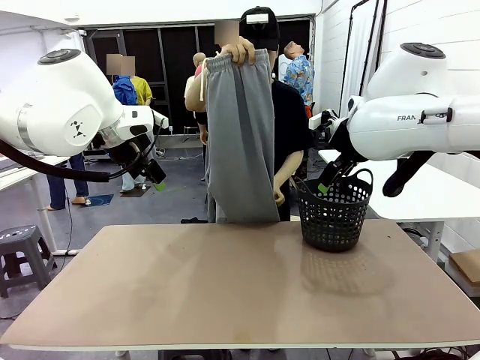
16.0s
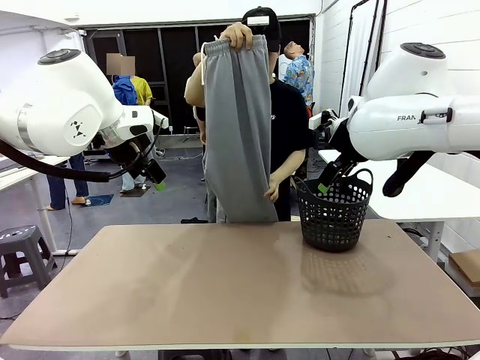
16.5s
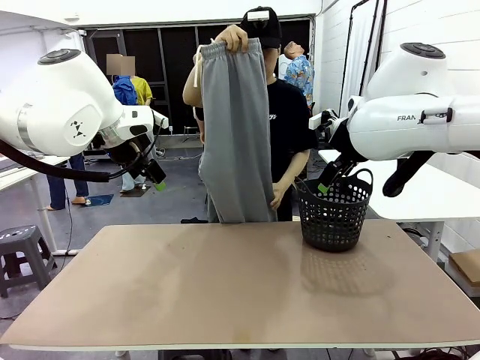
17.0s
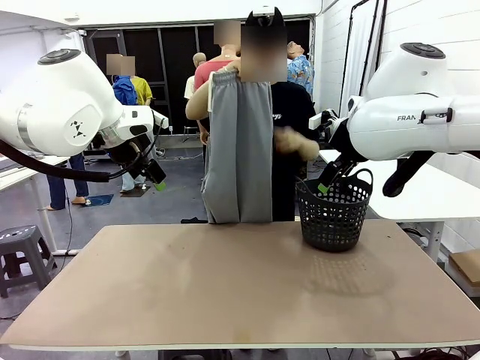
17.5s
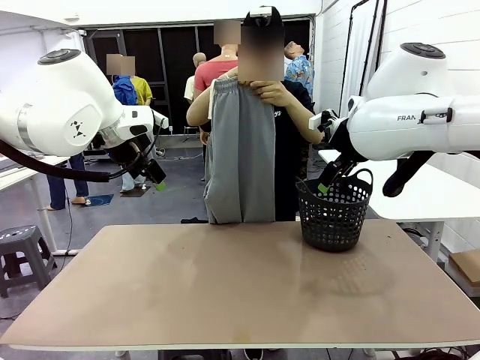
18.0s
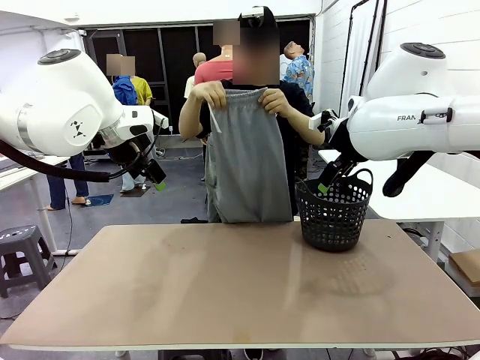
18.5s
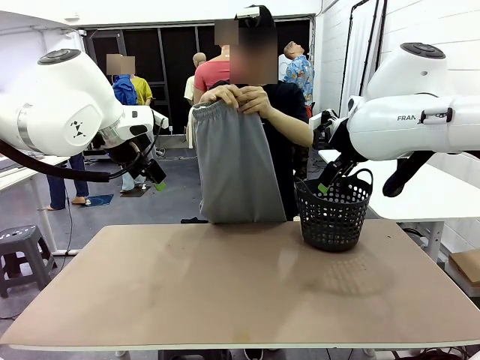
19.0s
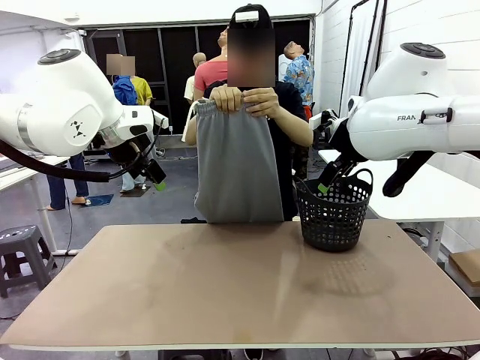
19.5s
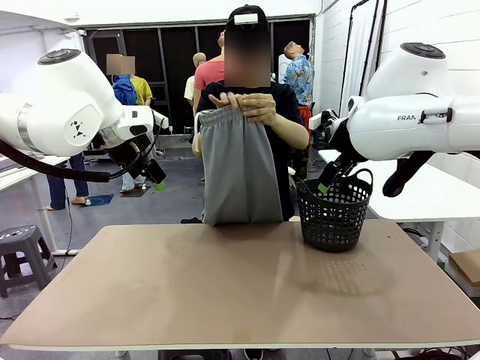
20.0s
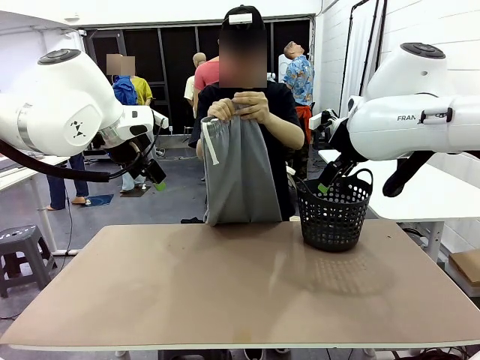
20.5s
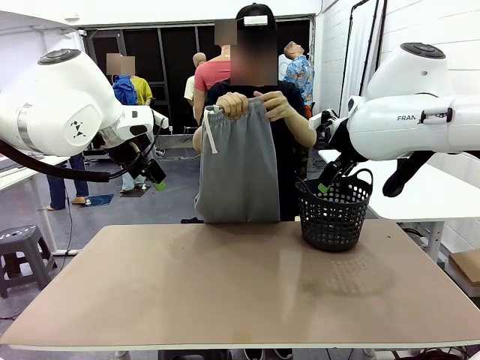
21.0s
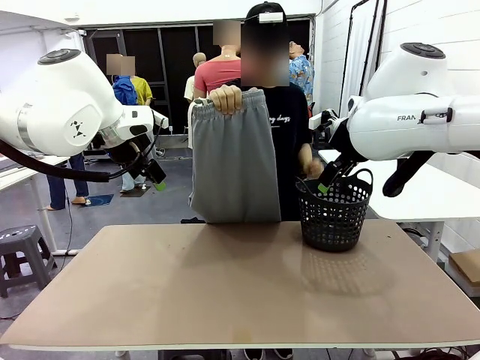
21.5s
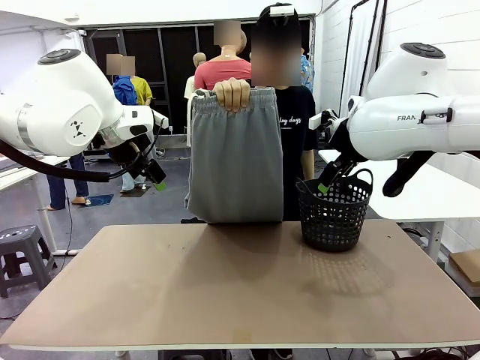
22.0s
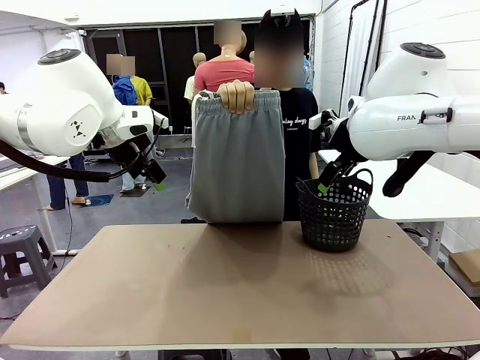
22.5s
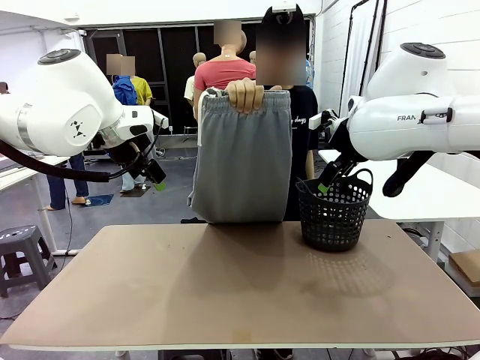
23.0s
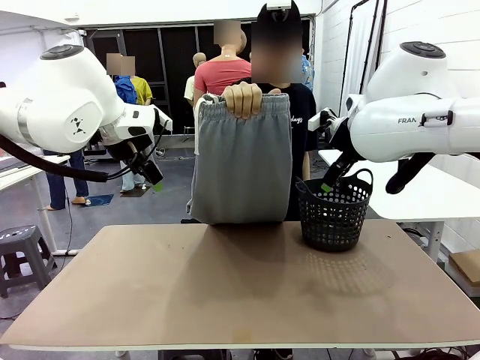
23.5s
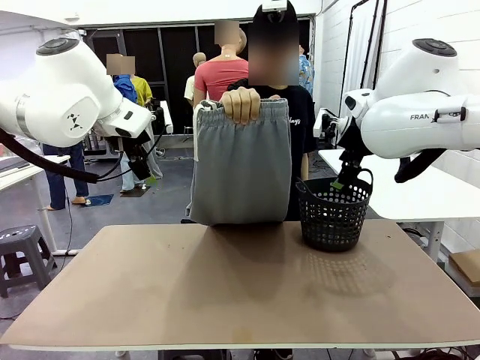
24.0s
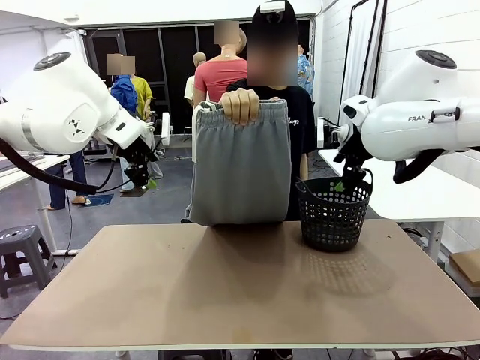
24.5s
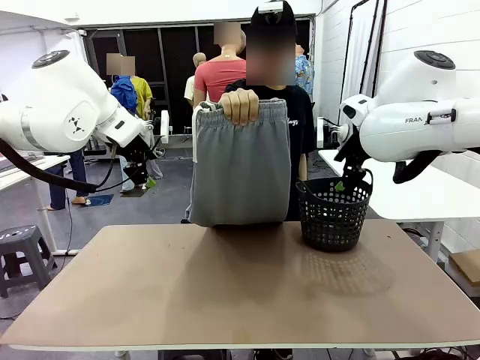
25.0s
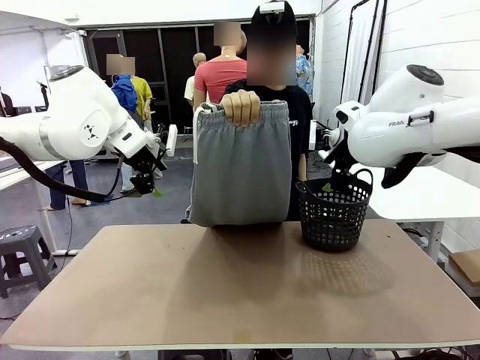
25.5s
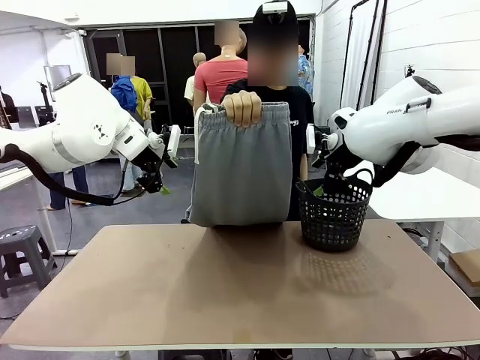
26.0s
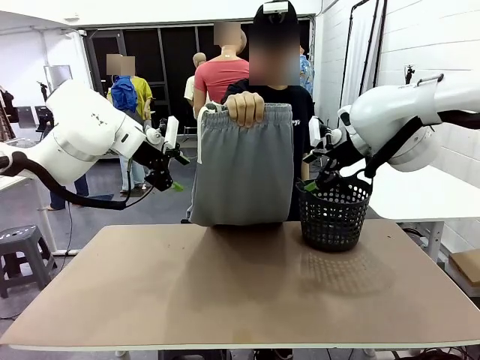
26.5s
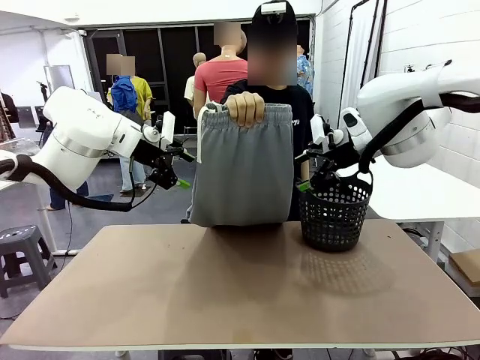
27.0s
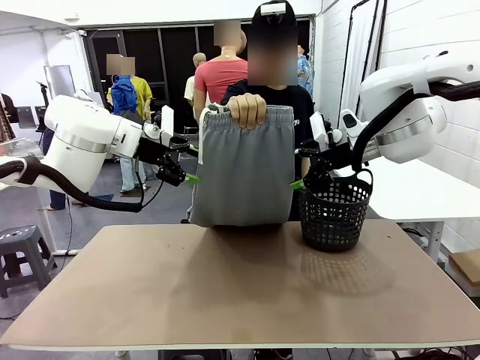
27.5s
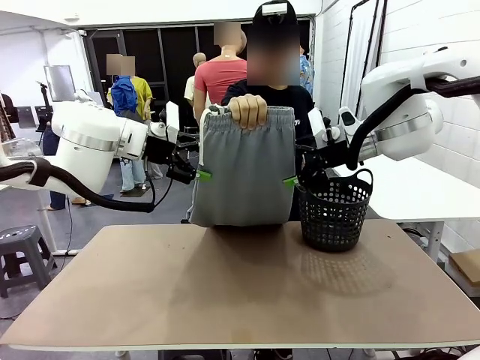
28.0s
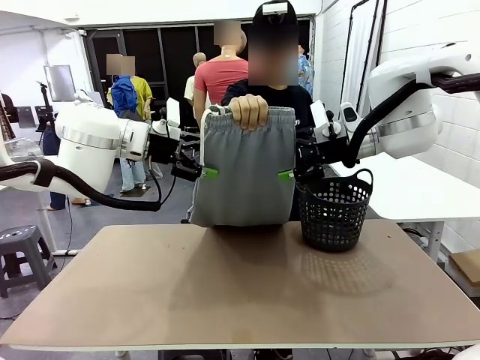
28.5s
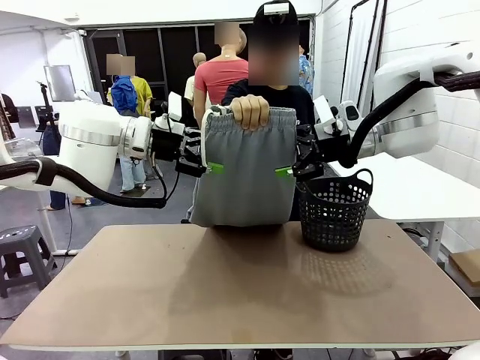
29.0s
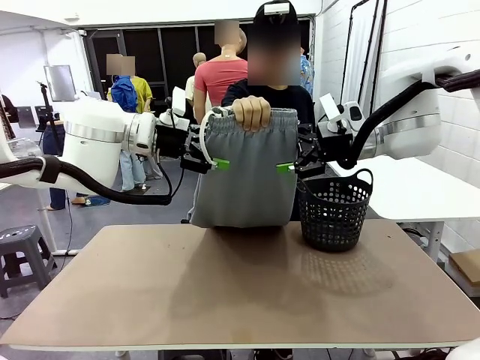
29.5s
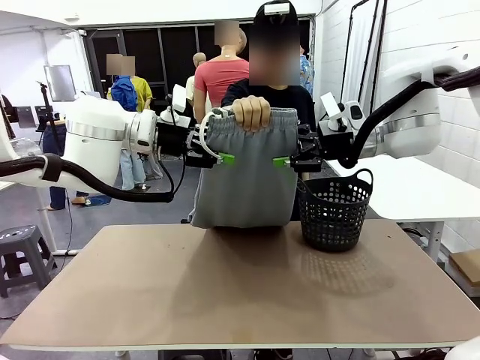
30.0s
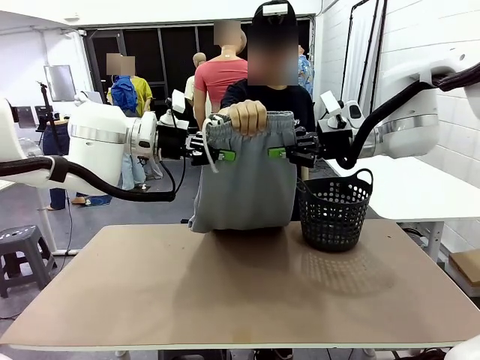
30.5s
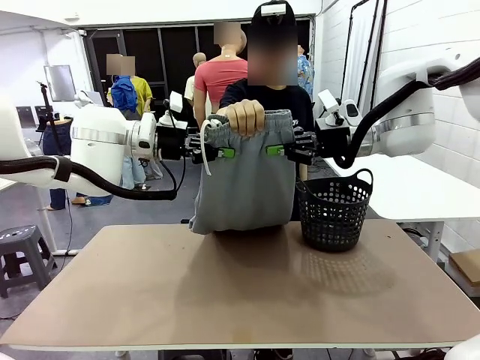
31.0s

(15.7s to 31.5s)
Task: Fold the training pants.
Robot: Grab both ends of the Training pants handed by a person.

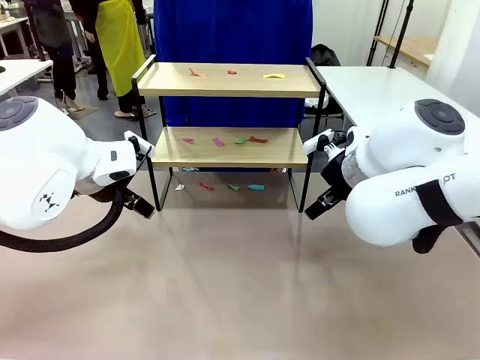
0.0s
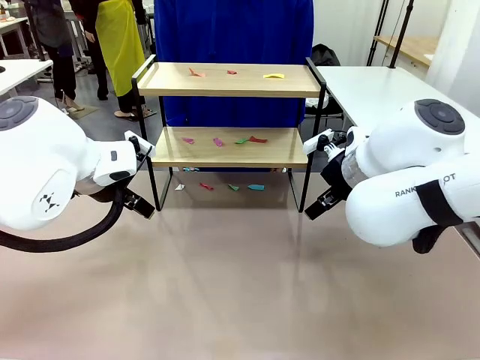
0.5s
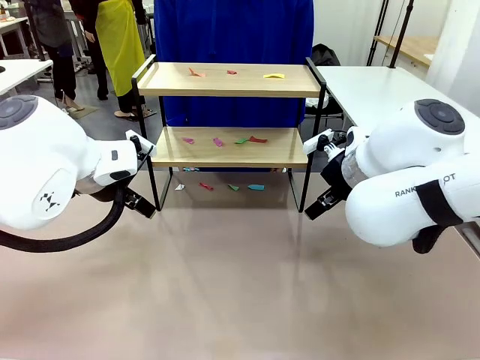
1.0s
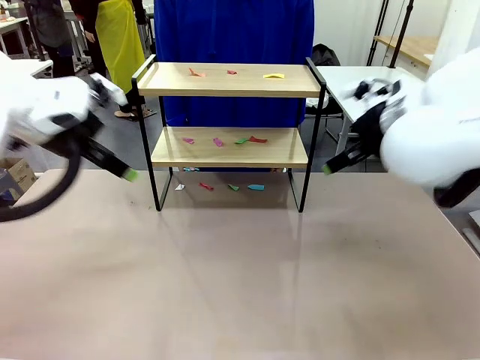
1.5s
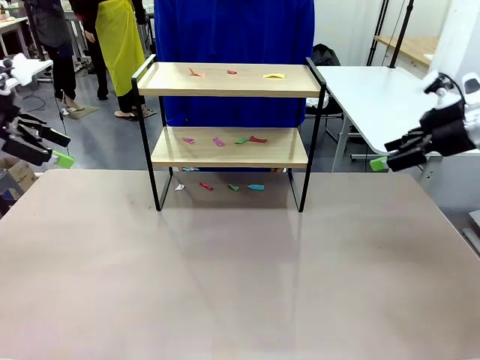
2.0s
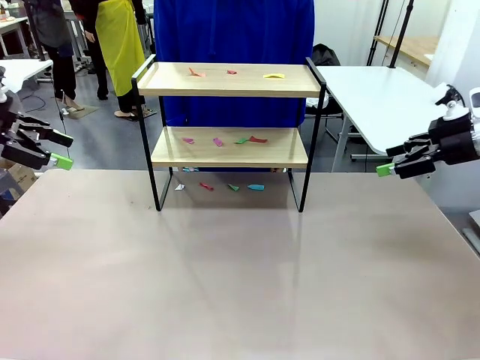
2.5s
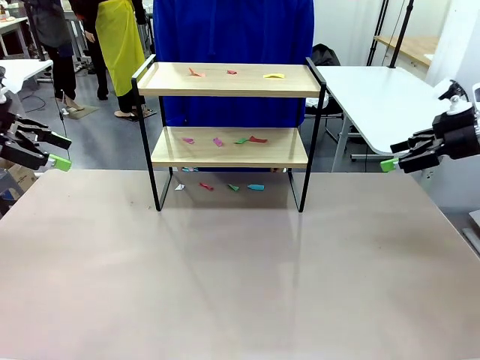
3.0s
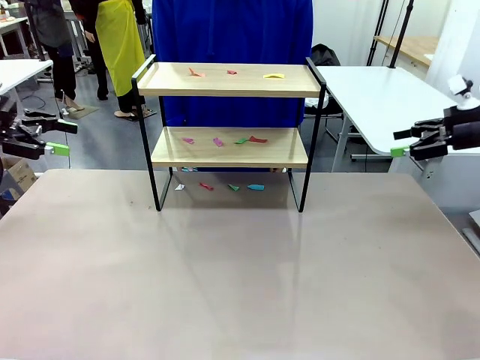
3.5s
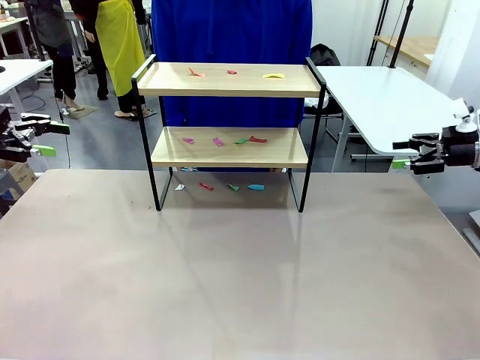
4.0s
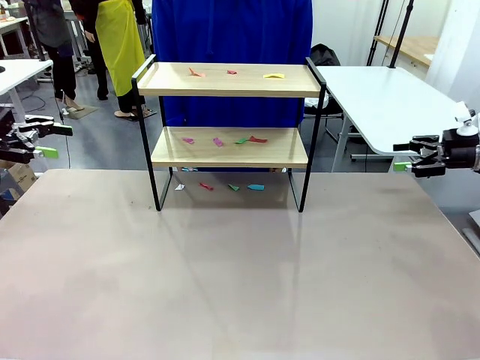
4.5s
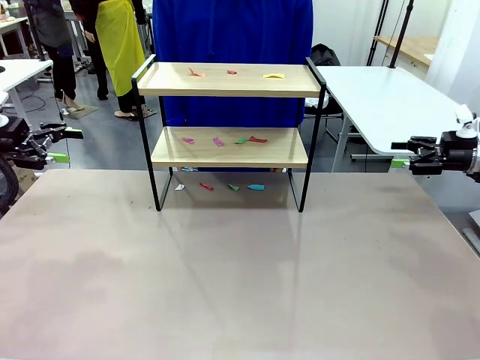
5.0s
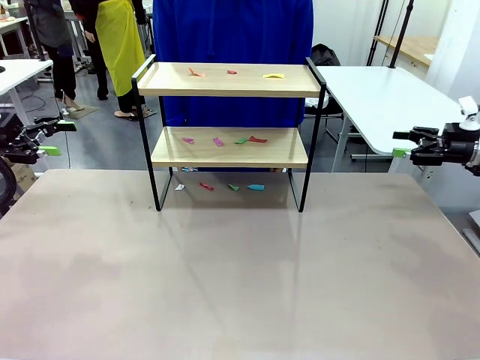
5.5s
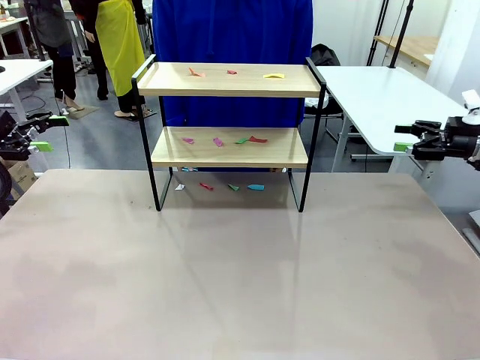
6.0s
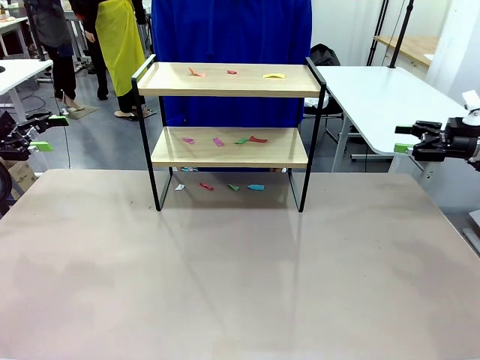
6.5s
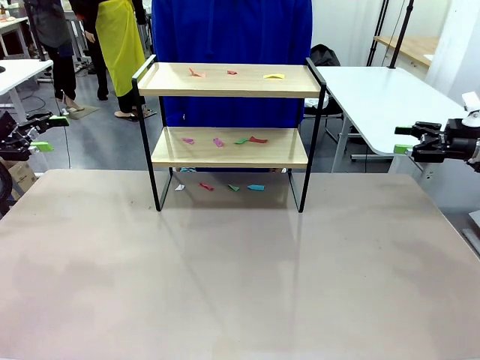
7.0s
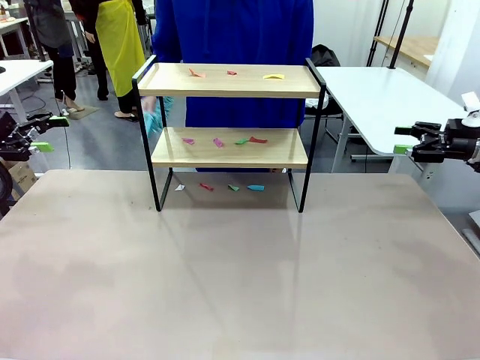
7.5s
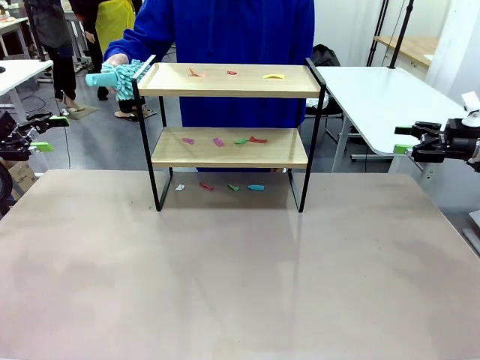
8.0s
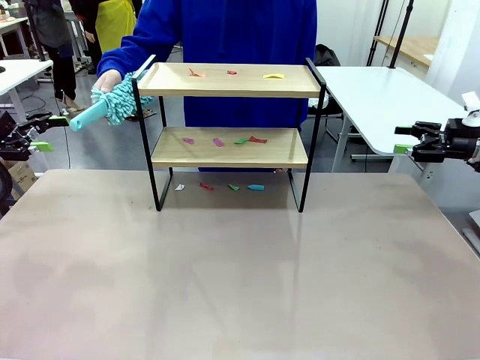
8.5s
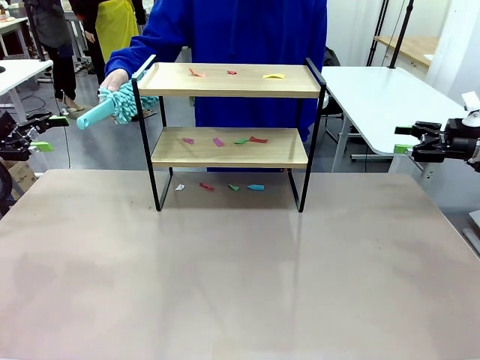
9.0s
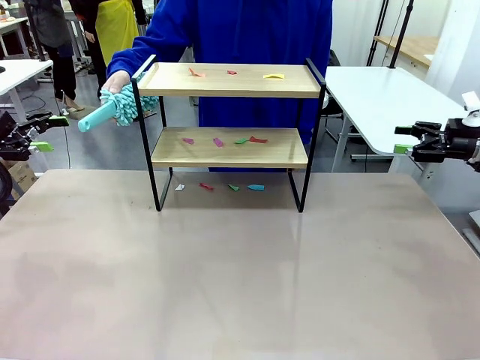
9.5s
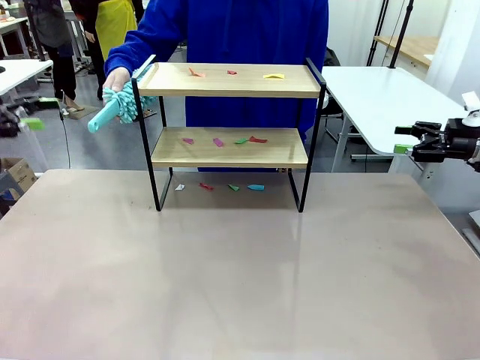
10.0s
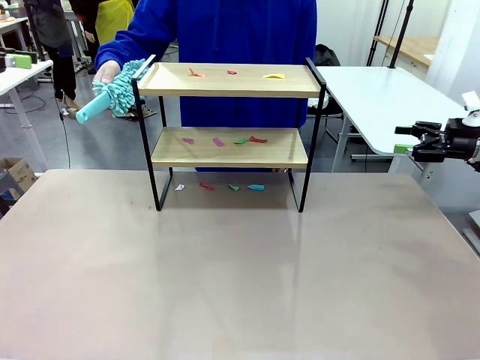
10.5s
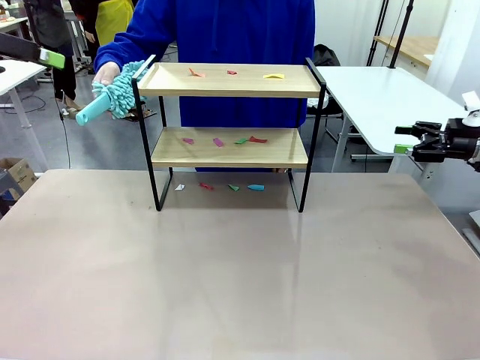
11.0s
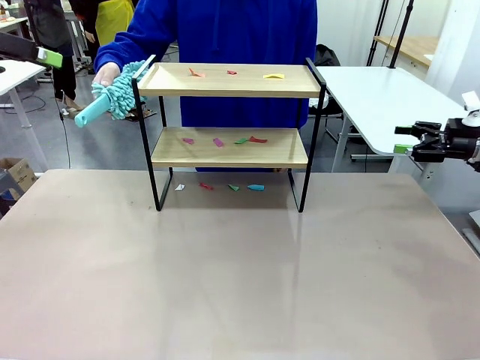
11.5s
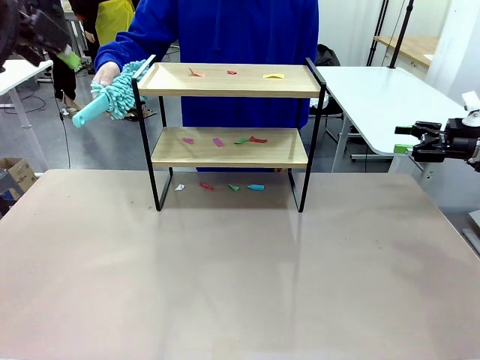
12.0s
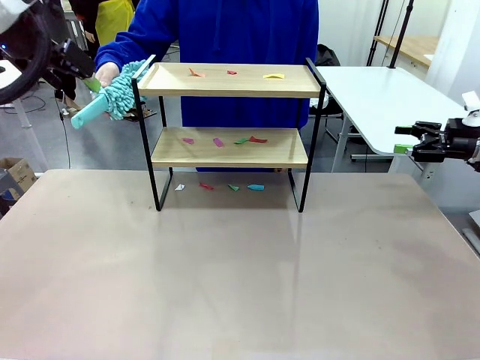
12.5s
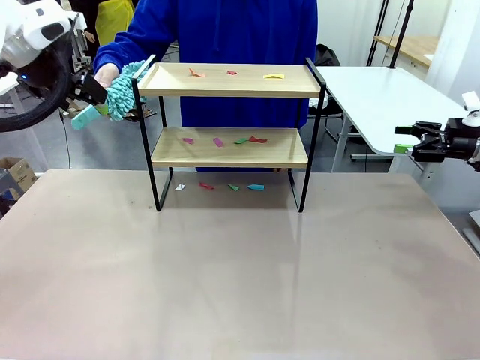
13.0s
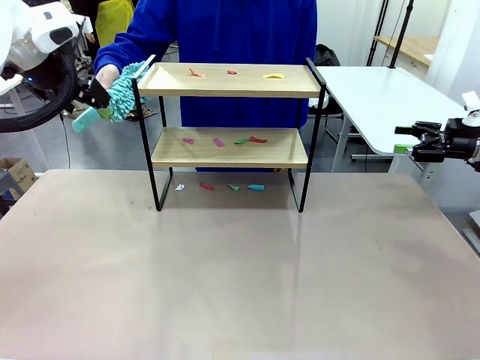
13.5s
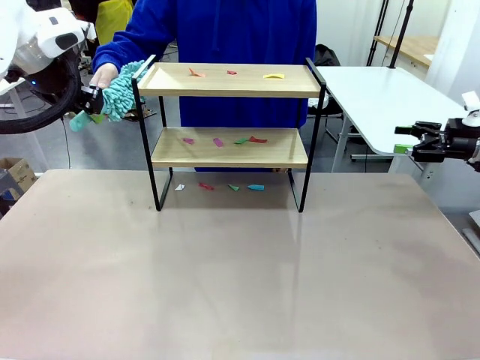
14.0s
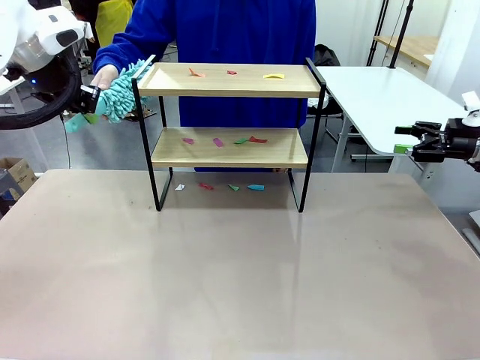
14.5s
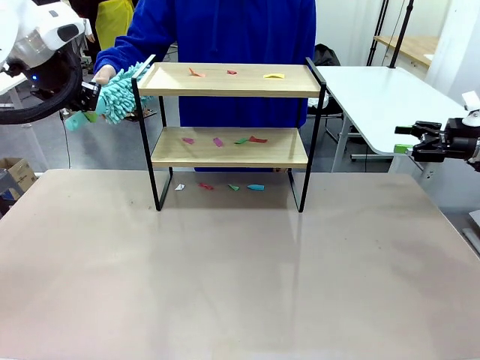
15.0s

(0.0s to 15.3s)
Task: Clean the shelf.
Robot: Pick up the Duster handed by the human.
Person: Hand the Duster to the robot.
